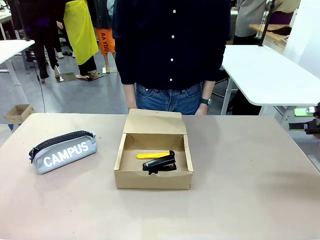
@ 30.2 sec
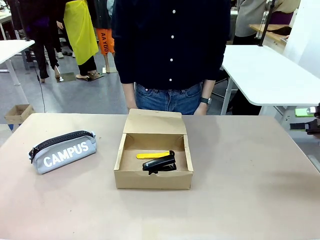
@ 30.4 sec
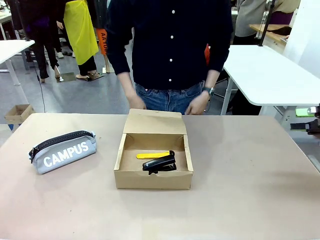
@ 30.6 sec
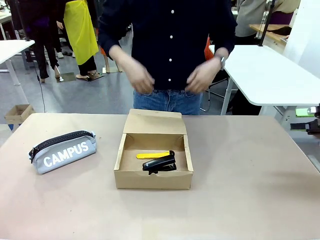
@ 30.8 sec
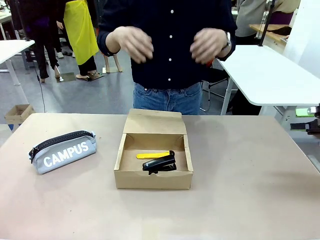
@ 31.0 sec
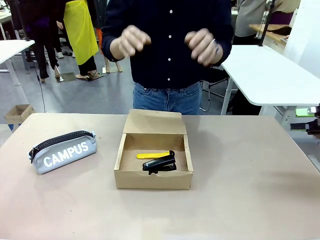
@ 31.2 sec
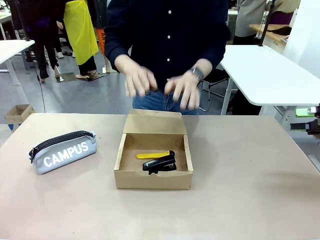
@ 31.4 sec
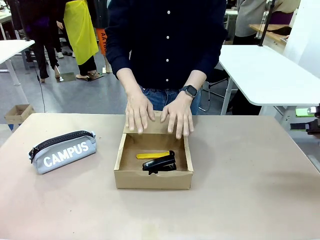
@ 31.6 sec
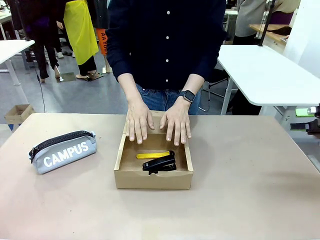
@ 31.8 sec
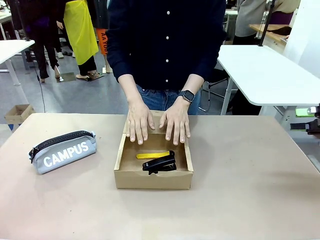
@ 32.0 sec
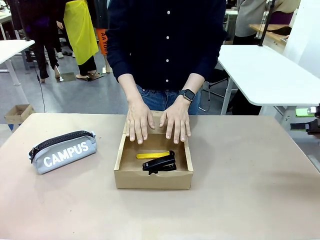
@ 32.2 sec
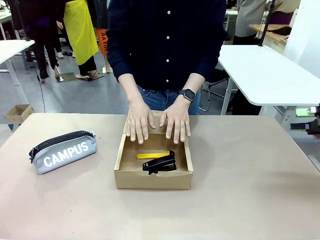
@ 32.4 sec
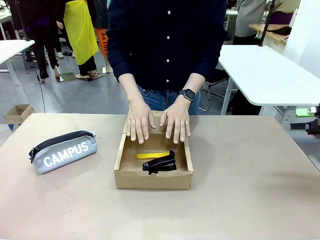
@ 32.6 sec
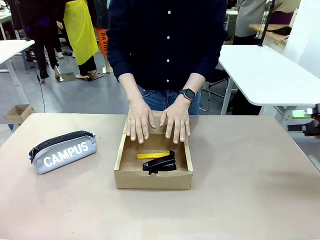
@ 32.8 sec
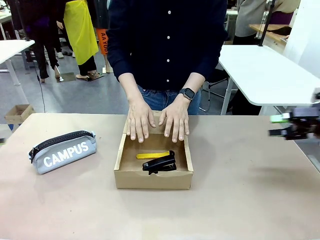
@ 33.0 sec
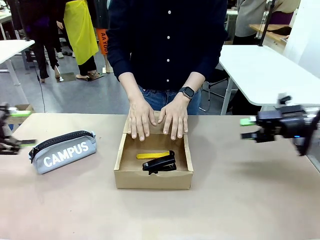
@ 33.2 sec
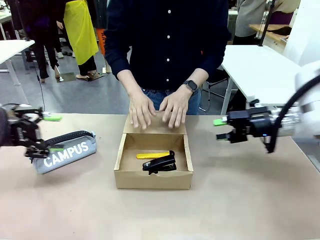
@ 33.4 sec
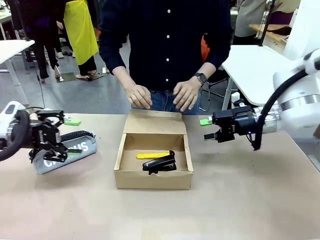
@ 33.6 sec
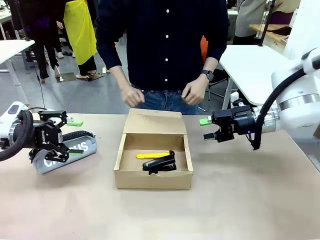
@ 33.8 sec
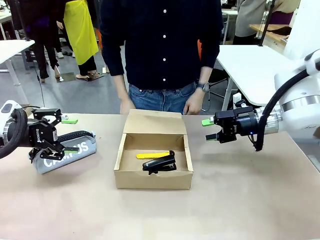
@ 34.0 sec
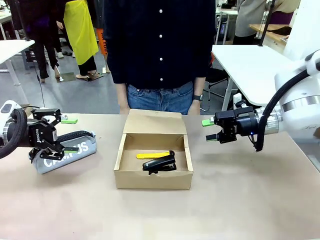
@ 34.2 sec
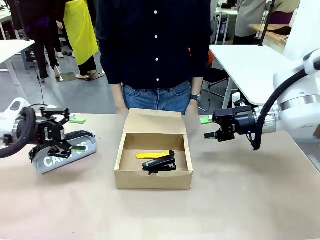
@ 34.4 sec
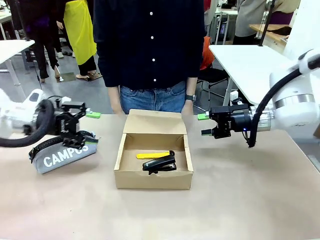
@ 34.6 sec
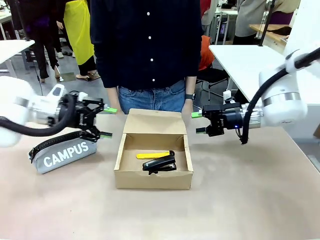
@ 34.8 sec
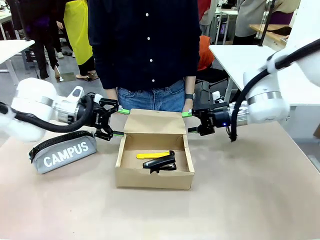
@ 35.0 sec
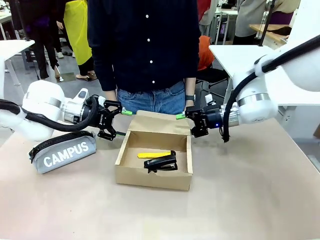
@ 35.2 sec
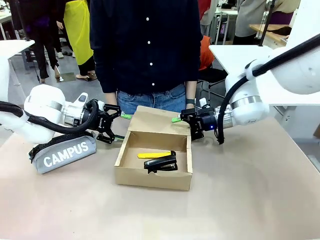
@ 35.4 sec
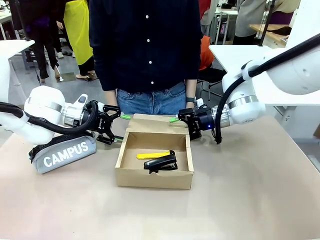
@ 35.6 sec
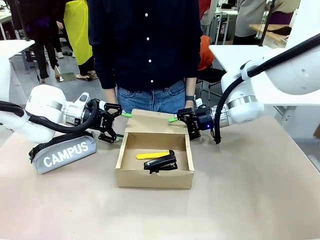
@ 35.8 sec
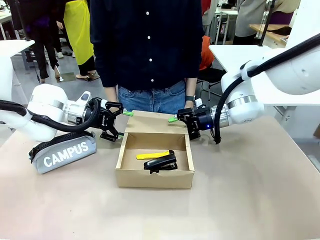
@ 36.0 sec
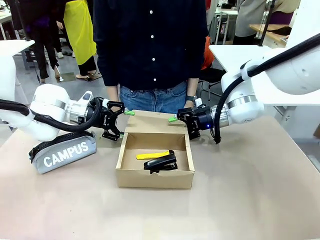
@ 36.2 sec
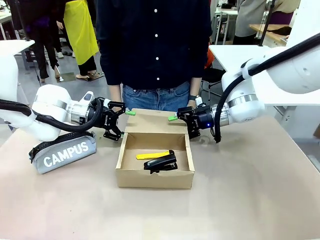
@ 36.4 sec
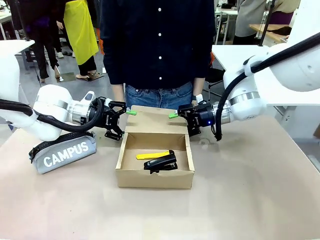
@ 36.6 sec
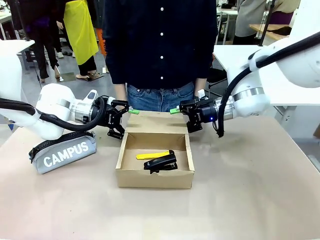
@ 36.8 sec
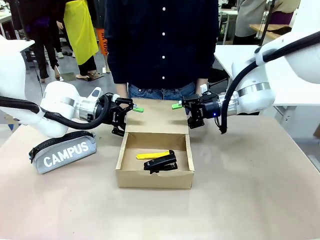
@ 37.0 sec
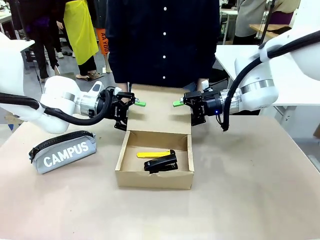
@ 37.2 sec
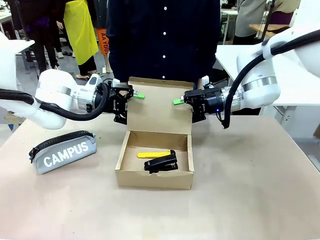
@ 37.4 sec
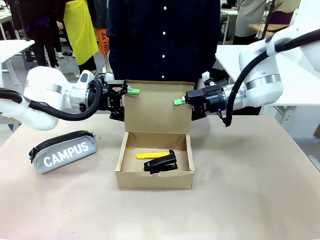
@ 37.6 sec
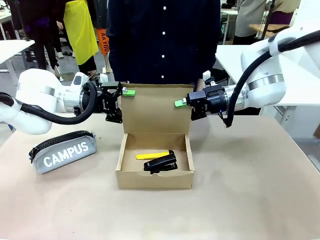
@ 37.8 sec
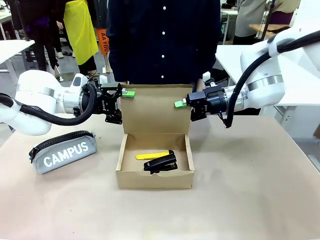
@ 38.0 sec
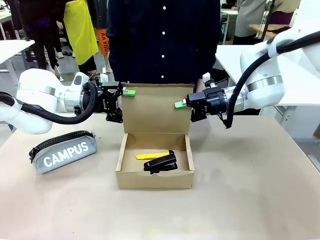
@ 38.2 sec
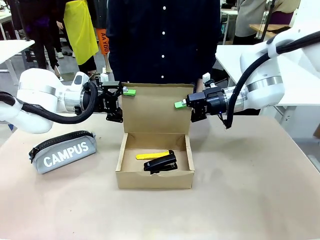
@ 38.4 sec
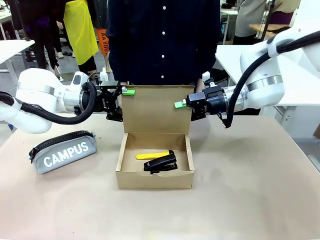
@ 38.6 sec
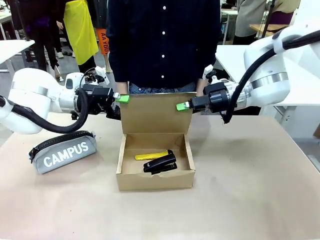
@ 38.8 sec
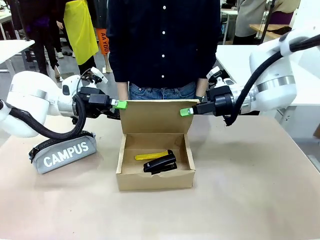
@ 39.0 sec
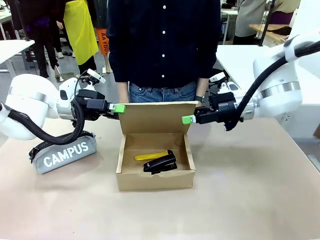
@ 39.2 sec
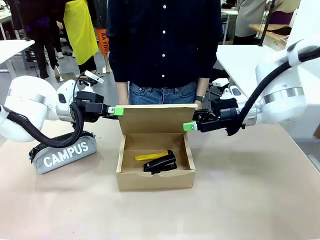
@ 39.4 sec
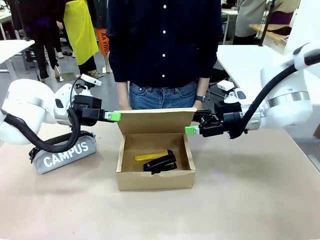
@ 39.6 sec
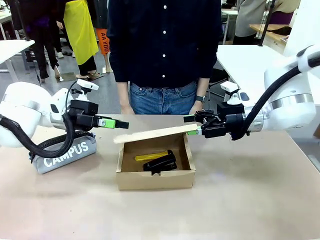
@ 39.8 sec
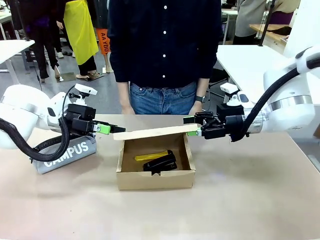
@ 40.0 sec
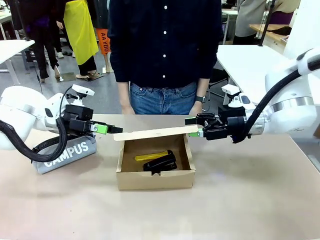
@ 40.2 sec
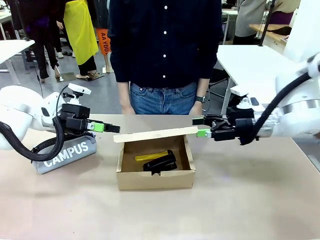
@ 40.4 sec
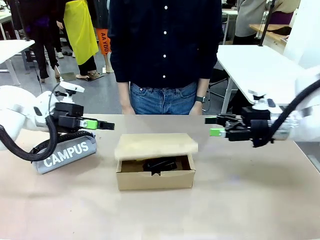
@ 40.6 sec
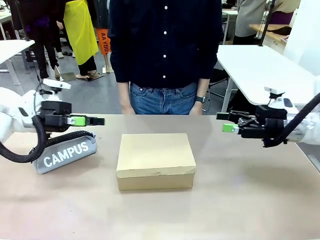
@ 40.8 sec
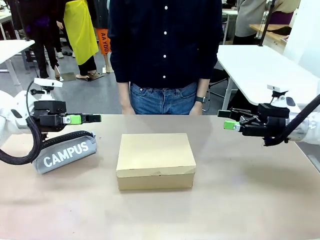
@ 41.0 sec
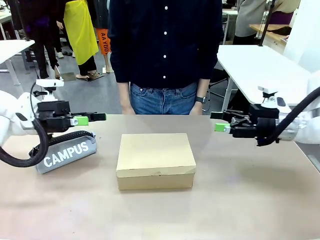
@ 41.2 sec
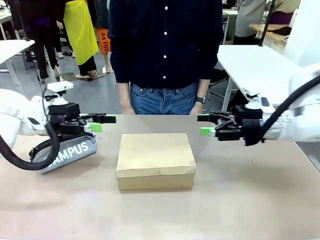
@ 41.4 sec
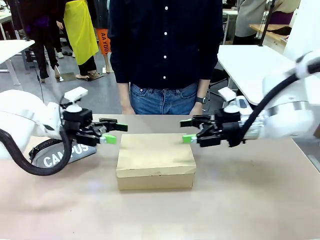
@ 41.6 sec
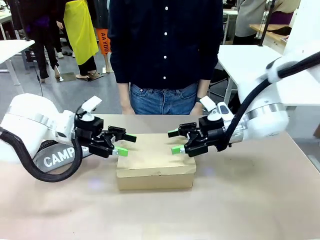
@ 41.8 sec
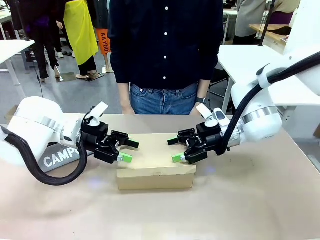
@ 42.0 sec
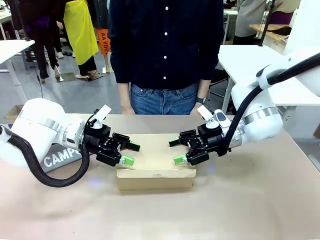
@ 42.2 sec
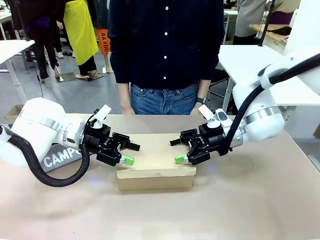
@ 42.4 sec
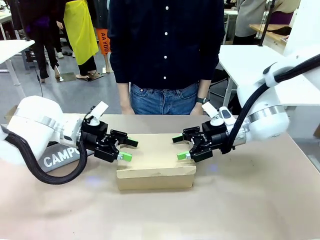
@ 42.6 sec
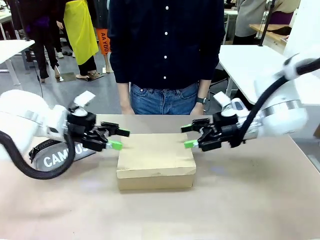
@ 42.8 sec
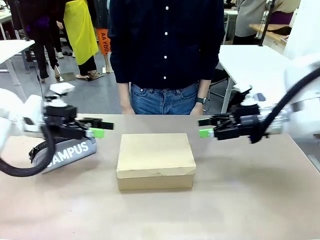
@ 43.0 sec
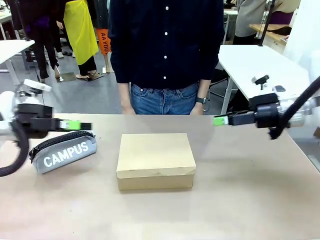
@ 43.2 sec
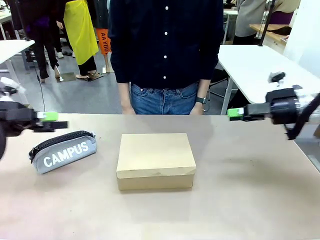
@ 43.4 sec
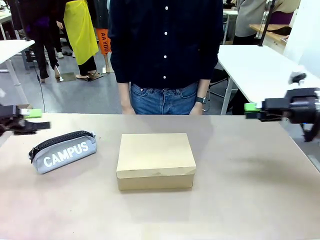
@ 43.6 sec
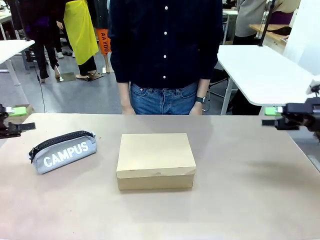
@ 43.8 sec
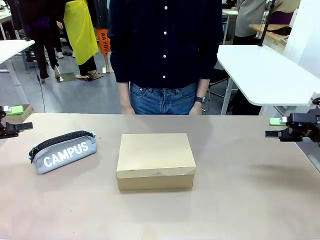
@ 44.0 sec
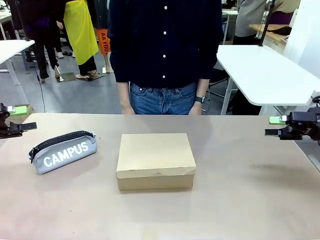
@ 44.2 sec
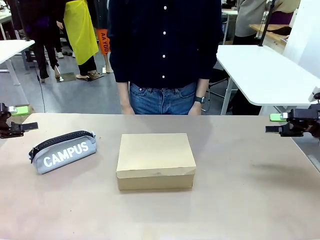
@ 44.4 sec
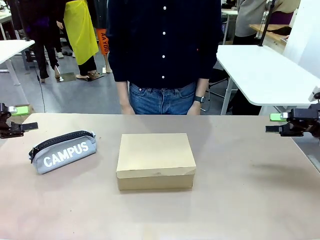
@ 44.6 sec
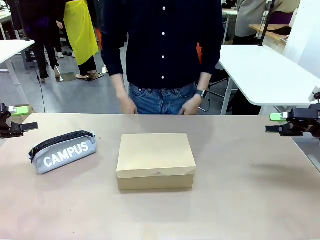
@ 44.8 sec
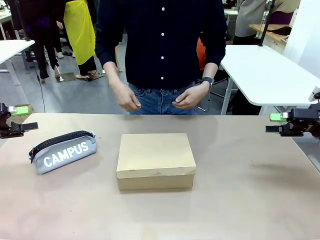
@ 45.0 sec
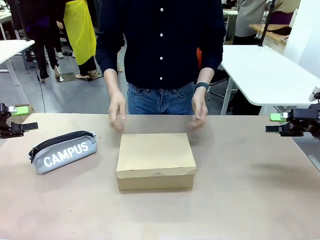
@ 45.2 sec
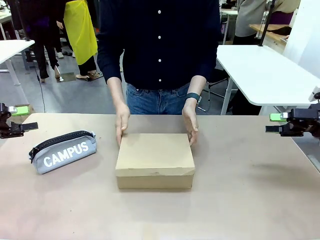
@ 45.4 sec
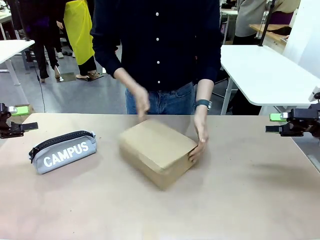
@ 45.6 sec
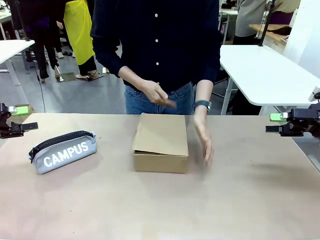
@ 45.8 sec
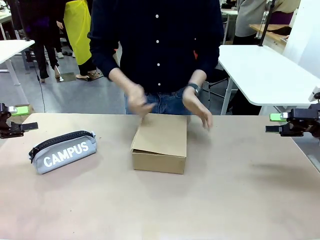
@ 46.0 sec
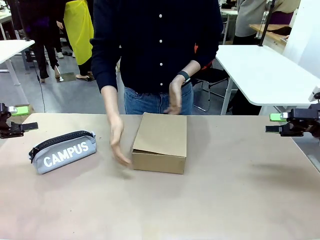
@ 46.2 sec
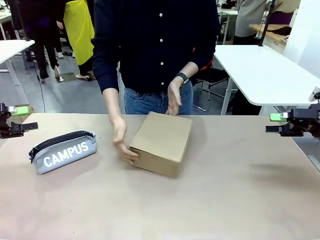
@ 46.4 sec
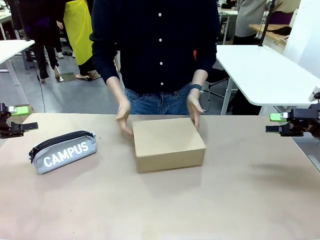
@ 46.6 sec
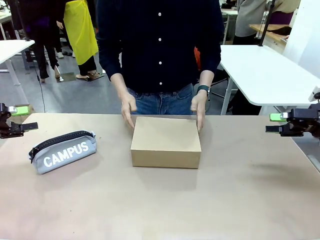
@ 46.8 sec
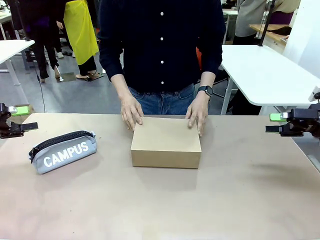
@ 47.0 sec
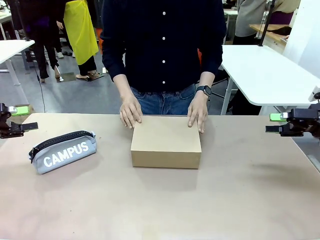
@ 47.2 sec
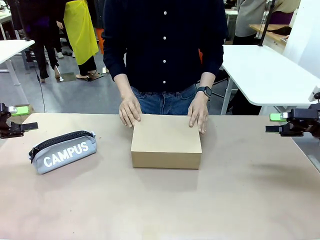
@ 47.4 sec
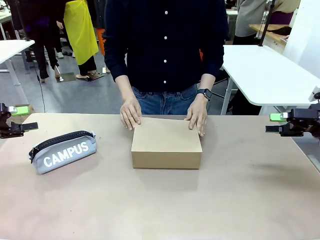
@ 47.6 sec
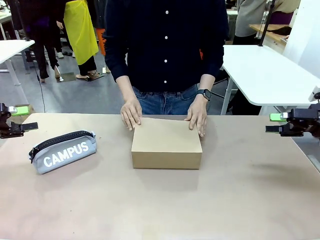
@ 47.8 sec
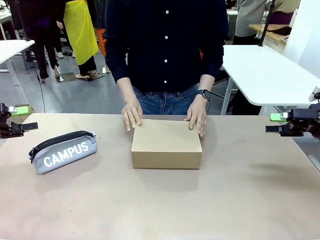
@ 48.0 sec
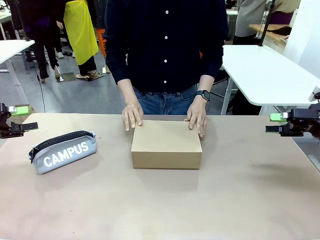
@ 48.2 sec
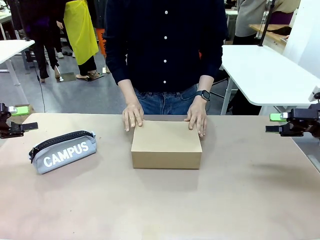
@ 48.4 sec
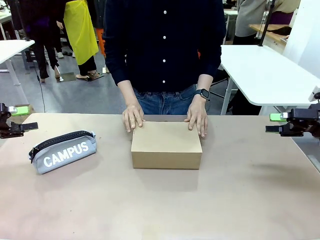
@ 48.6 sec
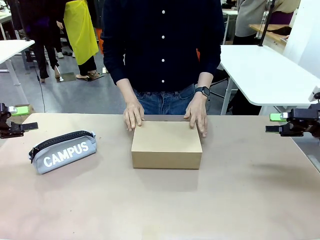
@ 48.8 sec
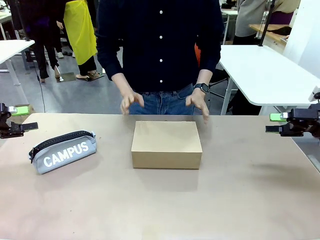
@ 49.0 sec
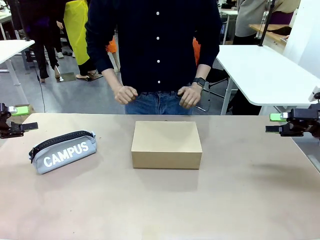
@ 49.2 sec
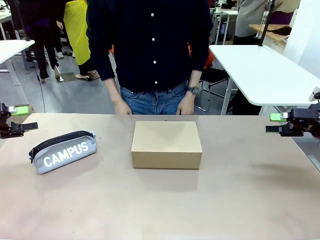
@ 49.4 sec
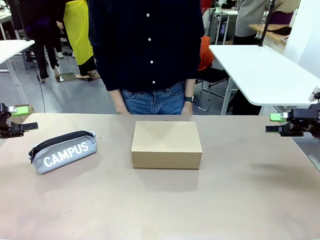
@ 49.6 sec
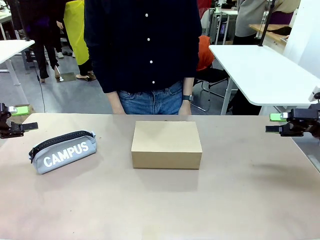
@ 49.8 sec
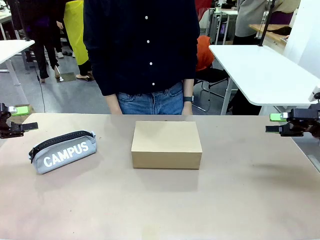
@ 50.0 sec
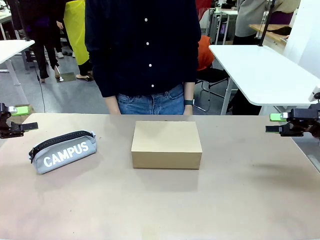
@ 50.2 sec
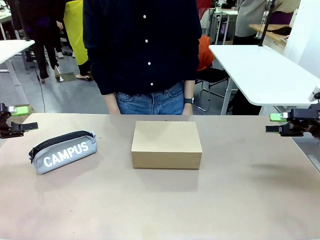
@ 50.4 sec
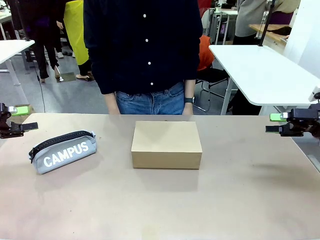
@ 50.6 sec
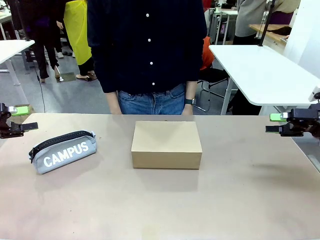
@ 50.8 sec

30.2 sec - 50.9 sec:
Task: Pack the items into the box.
Robot: Close the Mailer Box.
Person: Lower both hands vertically with palms facing downward, as if pressing something closed. Turn the box and lock it.
